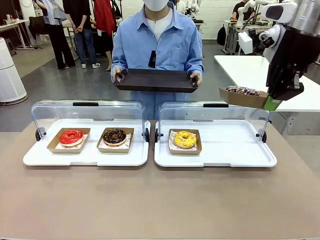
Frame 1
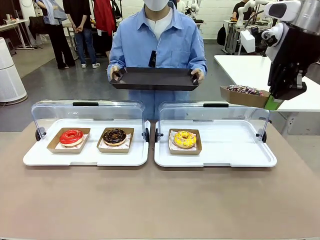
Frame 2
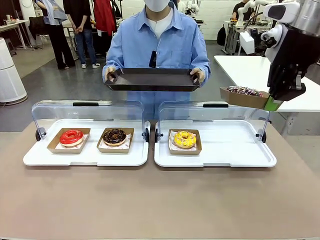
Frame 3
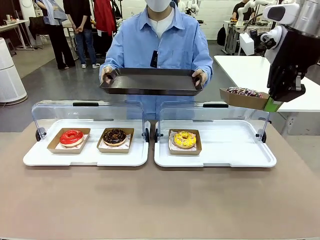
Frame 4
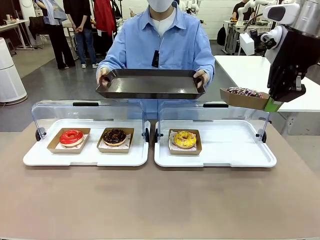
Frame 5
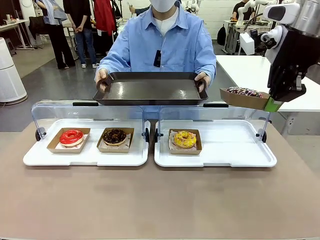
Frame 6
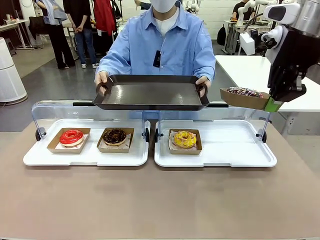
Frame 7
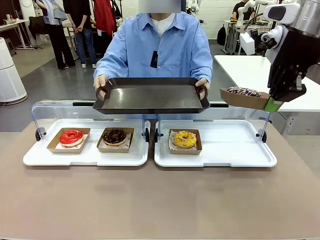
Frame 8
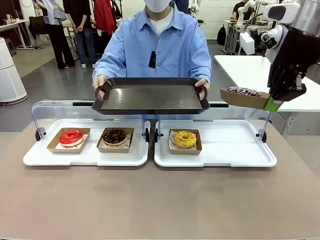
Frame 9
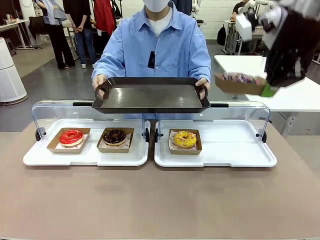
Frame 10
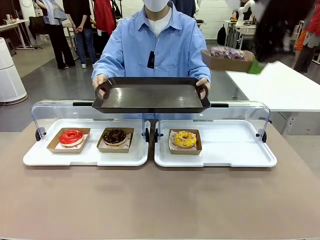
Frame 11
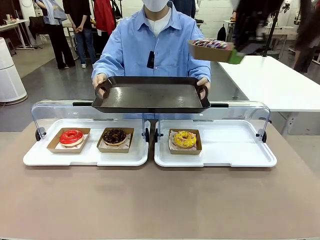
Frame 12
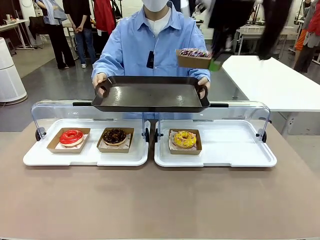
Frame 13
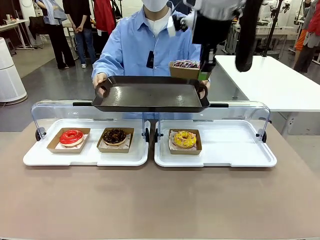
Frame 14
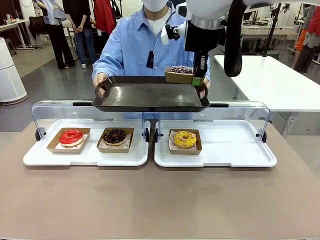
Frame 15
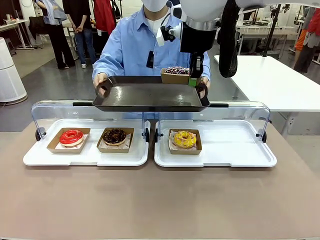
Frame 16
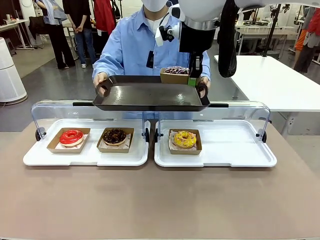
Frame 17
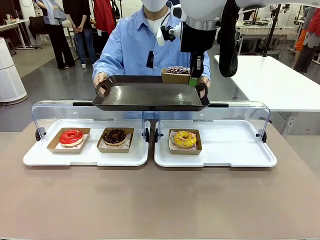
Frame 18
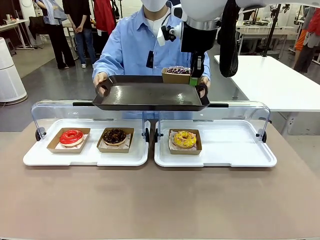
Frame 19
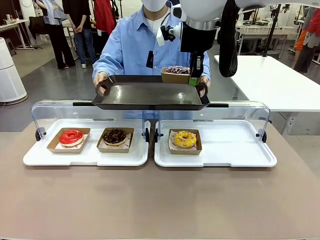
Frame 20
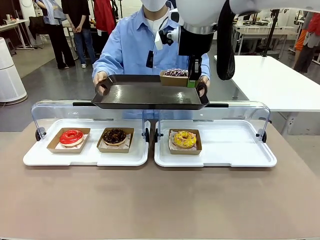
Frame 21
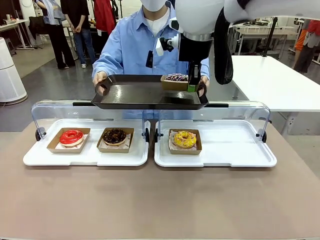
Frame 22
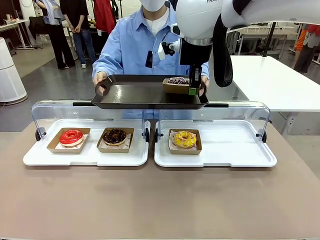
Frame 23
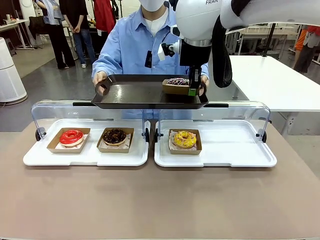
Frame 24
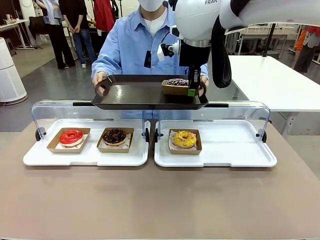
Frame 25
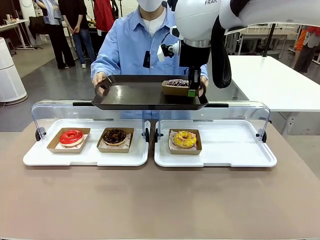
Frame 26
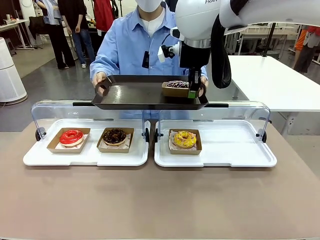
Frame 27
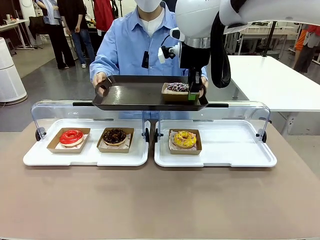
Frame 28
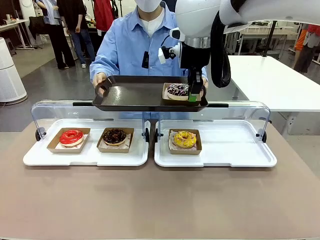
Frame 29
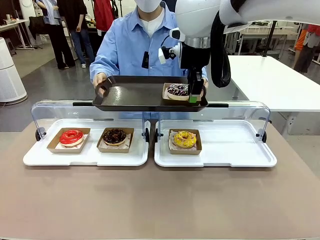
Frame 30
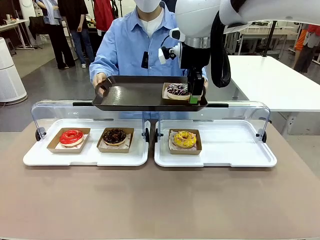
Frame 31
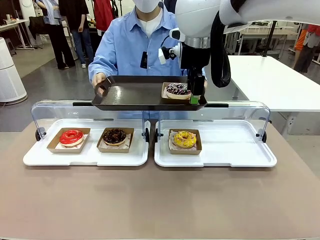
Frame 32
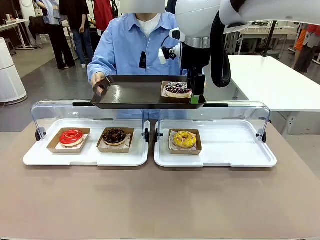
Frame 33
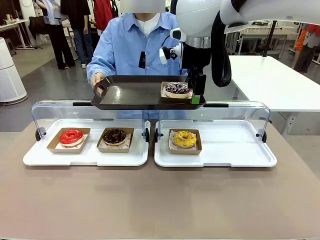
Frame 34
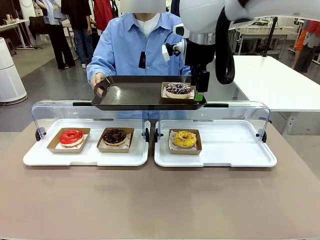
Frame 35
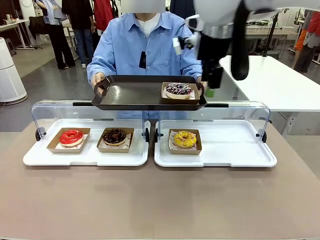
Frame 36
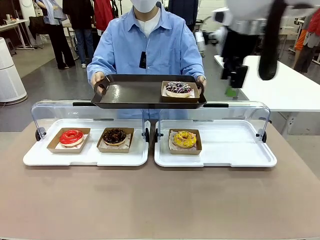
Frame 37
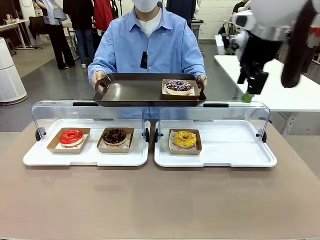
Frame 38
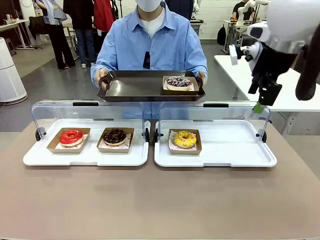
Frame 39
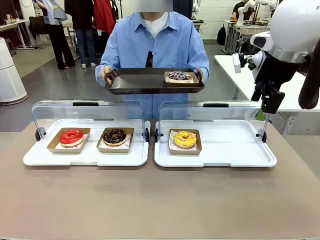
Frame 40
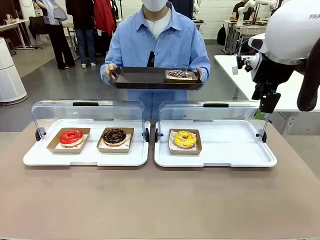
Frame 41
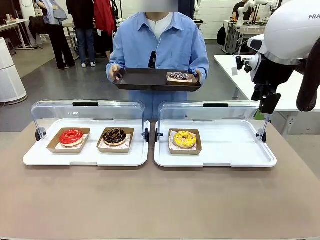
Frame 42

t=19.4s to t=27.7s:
Task: Provide the desired donut to the person.
Robot: Place the picked Paper togo box onto the Handle tray extended by the person.

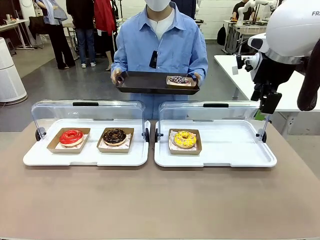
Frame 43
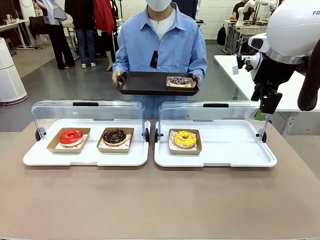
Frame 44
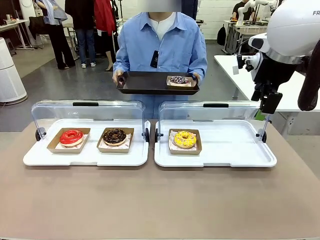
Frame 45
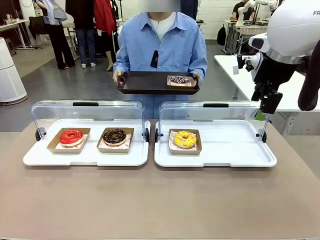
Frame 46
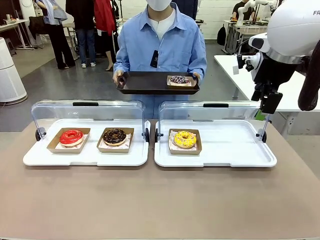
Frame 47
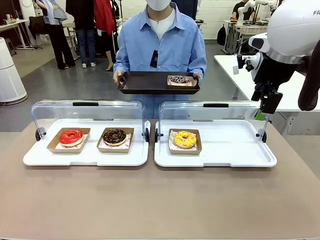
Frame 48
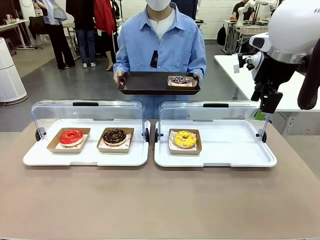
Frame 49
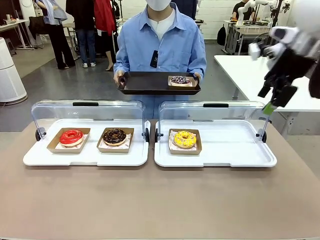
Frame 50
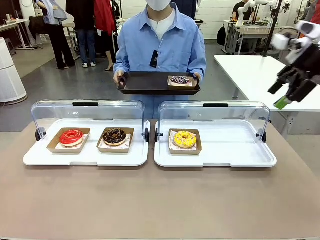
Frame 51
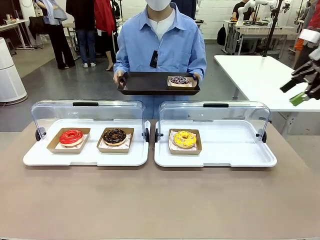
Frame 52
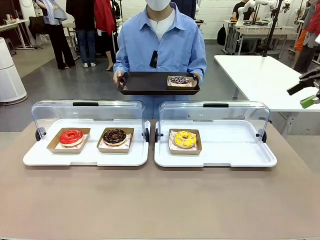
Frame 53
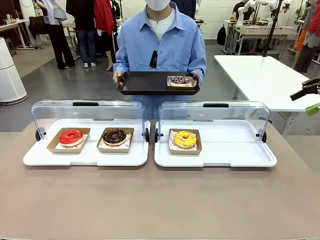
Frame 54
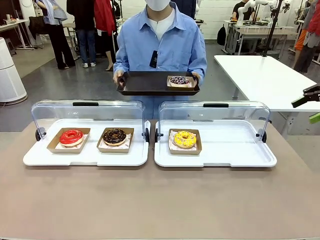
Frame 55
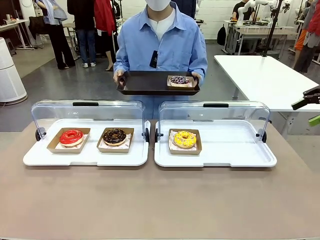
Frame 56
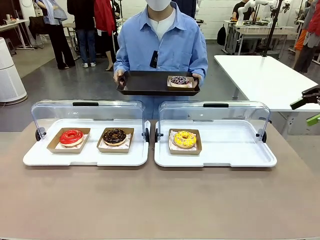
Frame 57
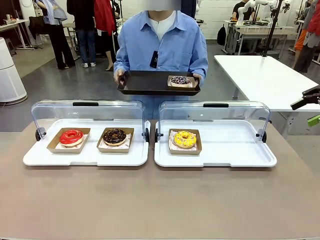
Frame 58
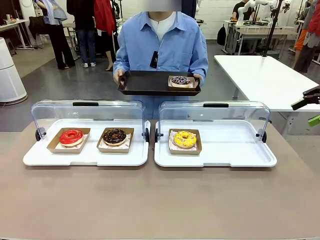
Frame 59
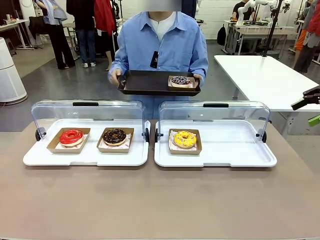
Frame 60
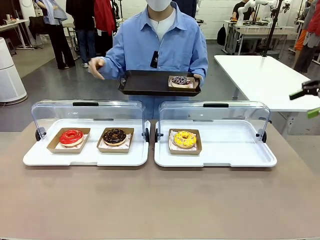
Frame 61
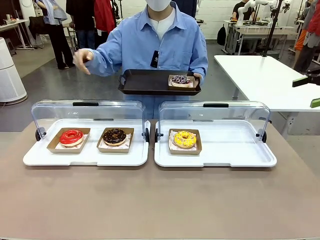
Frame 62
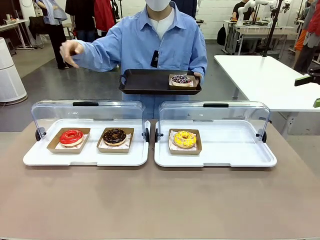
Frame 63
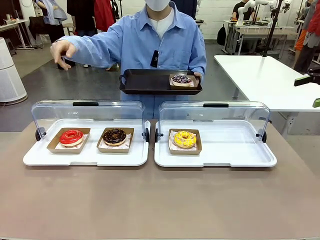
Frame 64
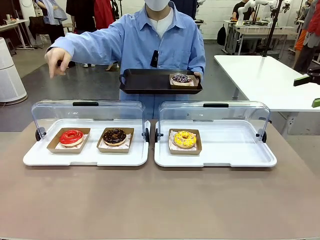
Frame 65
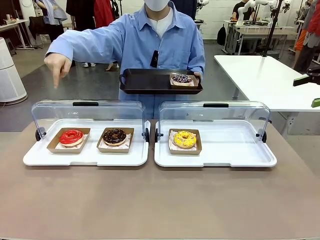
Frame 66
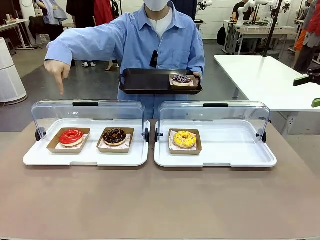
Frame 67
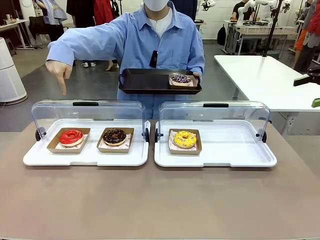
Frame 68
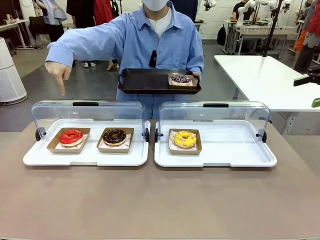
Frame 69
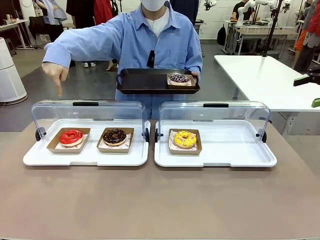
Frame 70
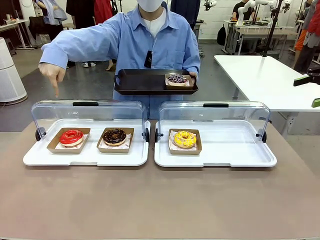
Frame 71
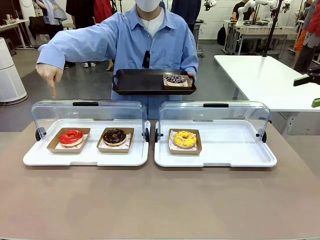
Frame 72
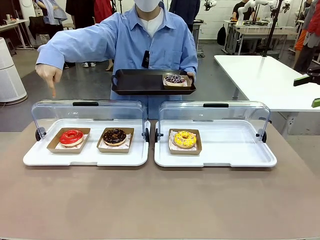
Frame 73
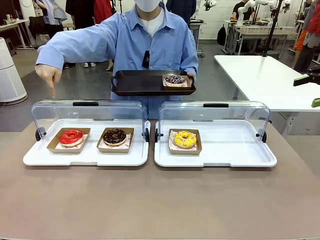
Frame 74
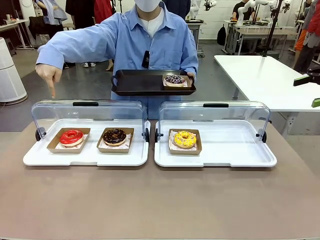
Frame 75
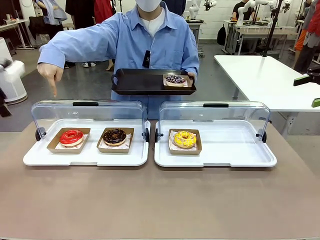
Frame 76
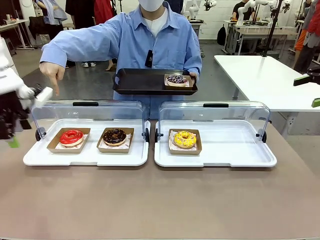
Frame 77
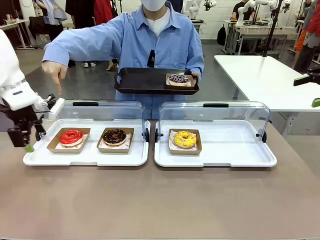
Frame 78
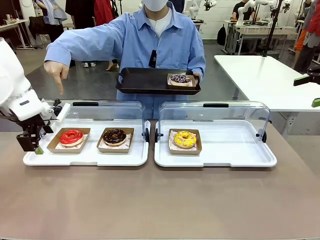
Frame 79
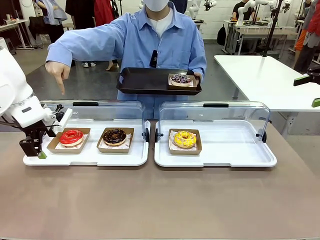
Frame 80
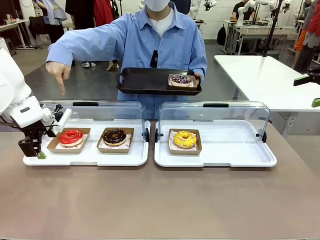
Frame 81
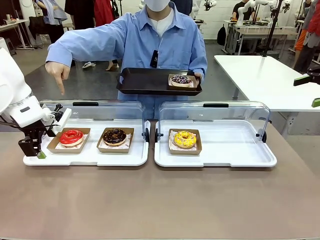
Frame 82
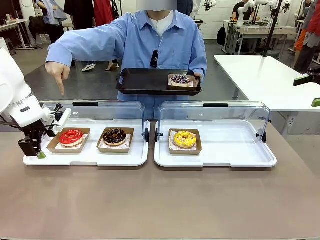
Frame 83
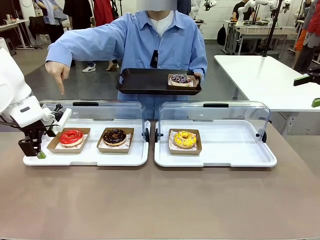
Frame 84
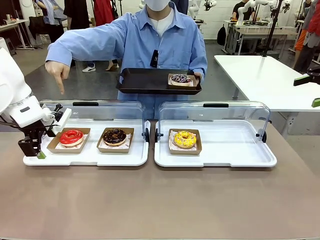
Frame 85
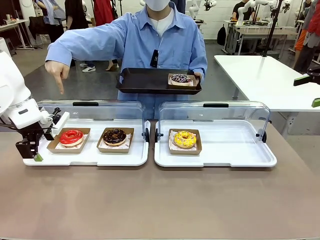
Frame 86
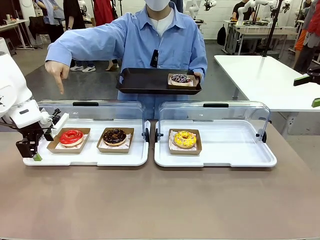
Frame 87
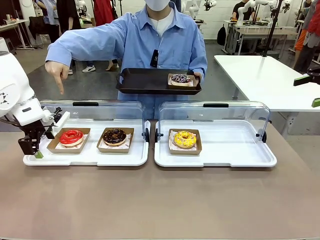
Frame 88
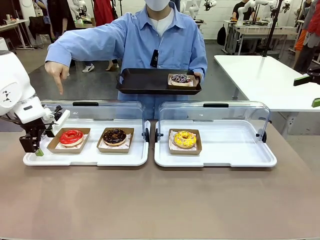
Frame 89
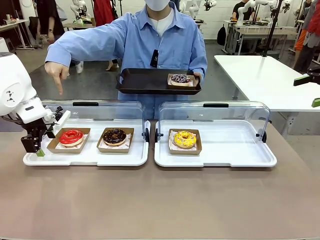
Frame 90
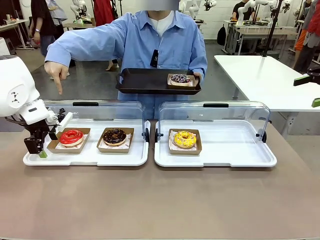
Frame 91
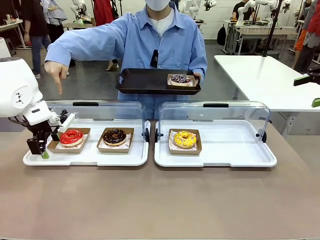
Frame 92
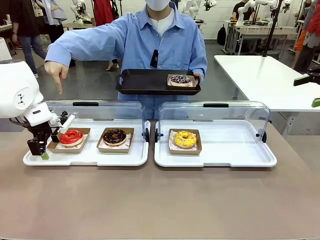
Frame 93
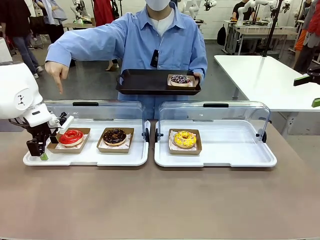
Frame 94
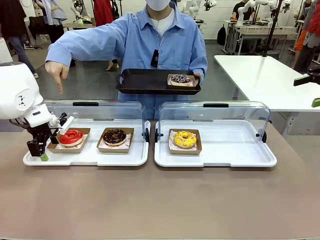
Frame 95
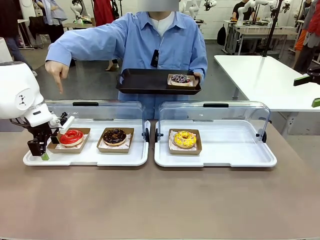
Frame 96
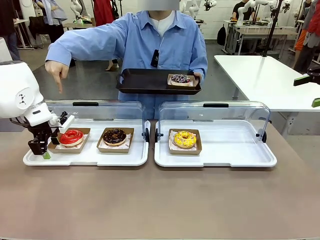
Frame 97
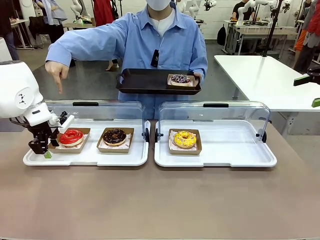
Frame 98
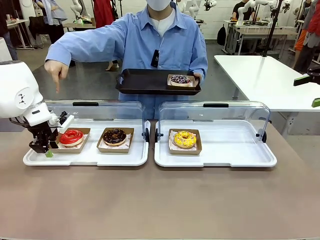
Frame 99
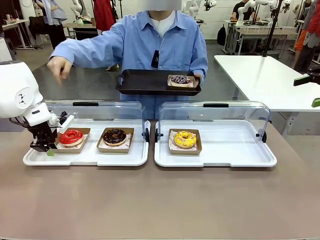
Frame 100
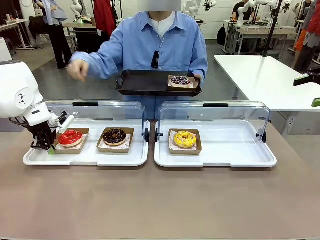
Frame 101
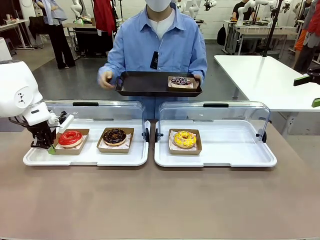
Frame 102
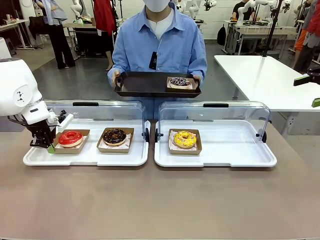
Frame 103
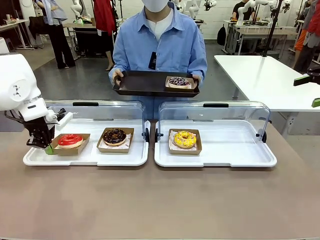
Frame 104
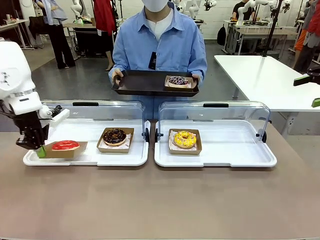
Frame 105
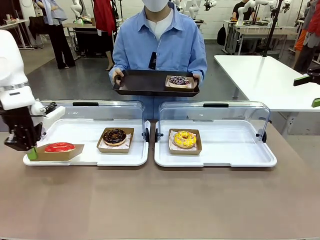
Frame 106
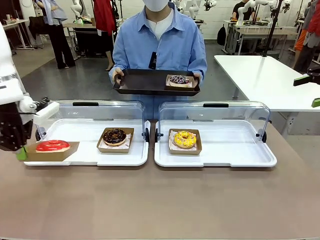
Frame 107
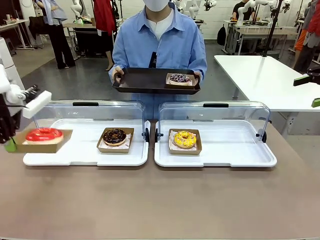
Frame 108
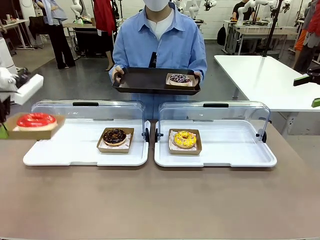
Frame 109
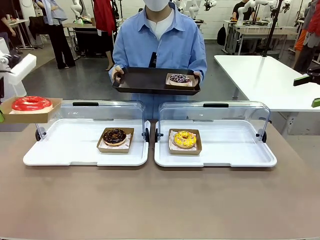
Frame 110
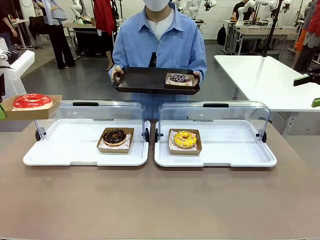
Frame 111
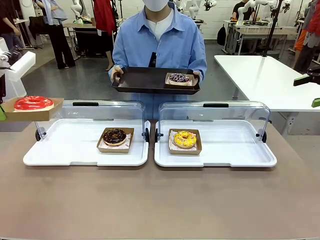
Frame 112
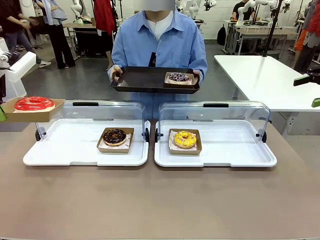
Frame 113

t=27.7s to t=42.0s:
Robot: Pick up and lift the Paper togo box containing the Donut pointed at by the person.
Person: Point to one donut. Lift the tray onto the Roll-Top Bakery Case.
